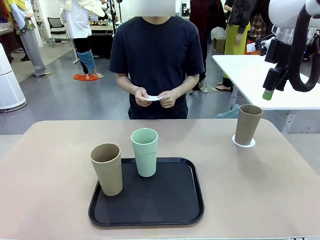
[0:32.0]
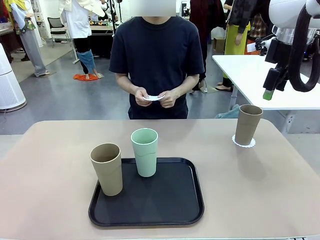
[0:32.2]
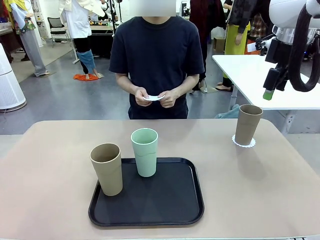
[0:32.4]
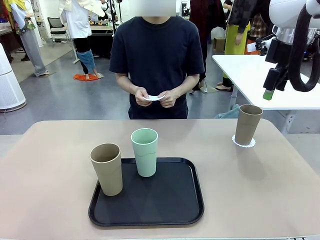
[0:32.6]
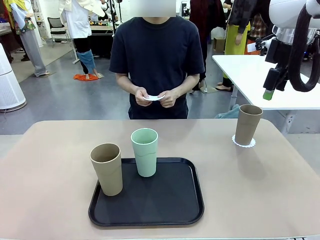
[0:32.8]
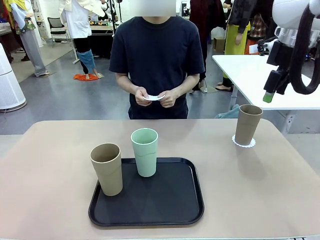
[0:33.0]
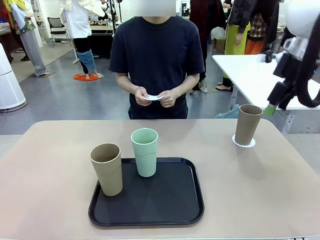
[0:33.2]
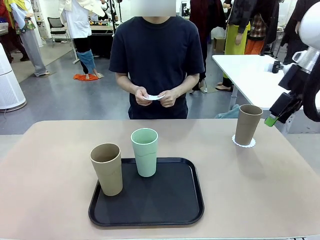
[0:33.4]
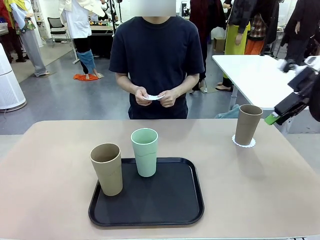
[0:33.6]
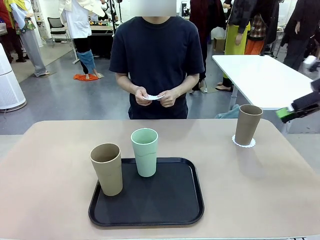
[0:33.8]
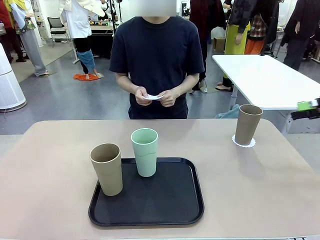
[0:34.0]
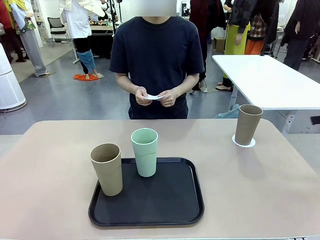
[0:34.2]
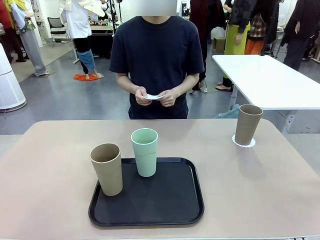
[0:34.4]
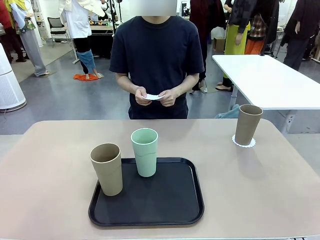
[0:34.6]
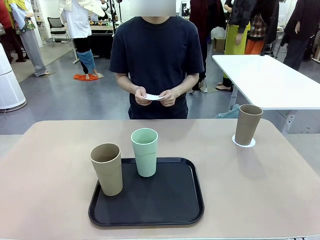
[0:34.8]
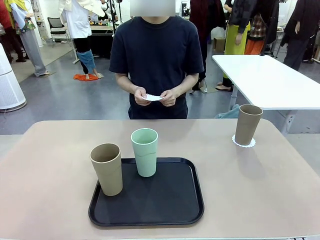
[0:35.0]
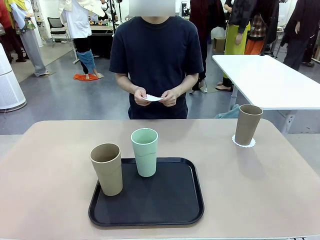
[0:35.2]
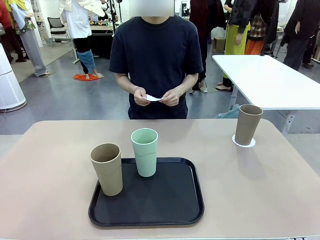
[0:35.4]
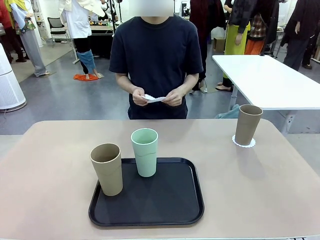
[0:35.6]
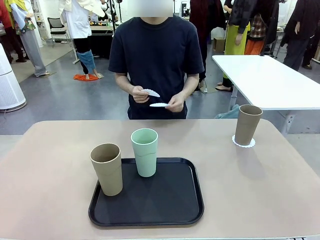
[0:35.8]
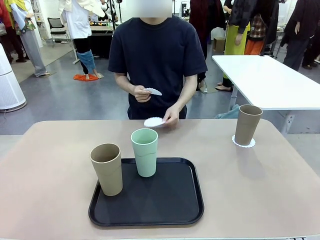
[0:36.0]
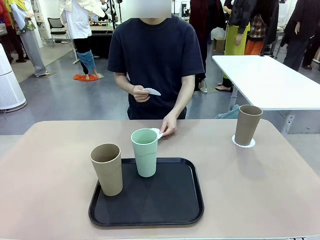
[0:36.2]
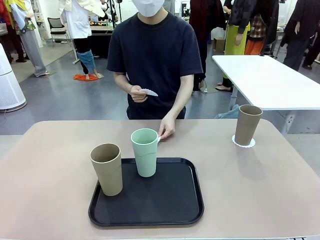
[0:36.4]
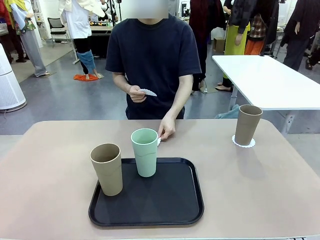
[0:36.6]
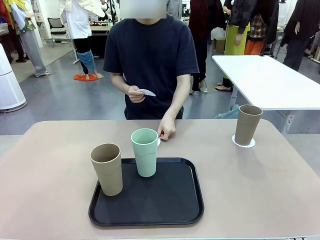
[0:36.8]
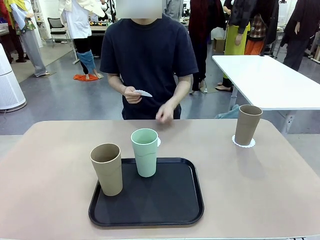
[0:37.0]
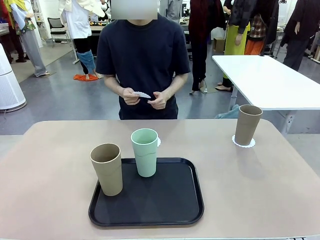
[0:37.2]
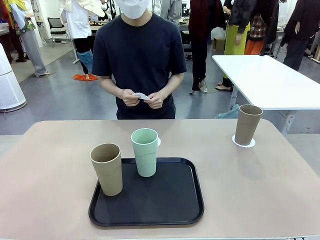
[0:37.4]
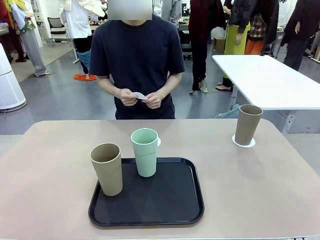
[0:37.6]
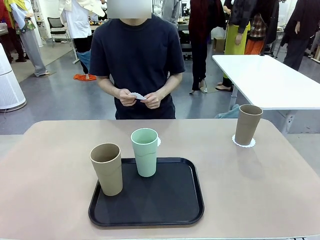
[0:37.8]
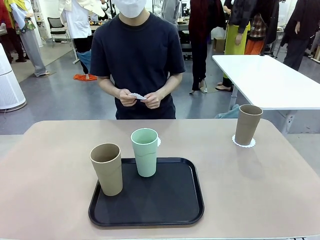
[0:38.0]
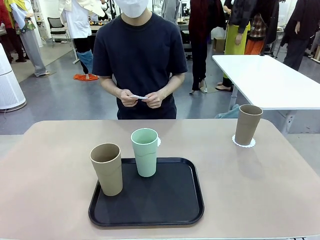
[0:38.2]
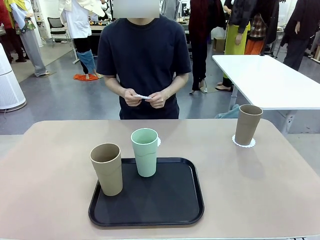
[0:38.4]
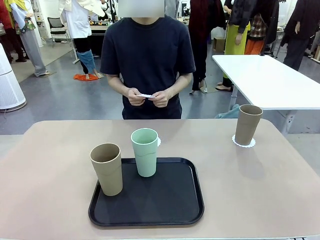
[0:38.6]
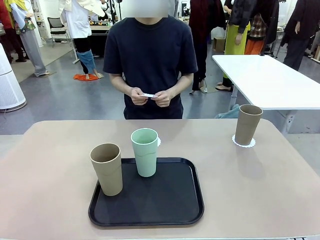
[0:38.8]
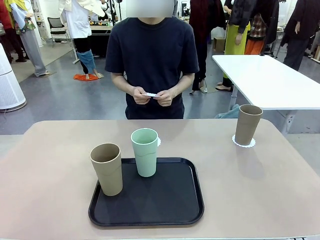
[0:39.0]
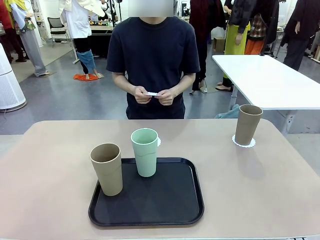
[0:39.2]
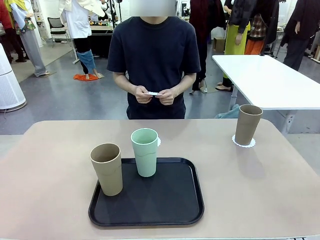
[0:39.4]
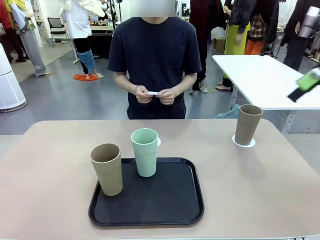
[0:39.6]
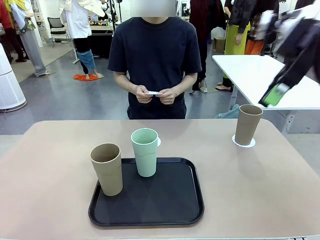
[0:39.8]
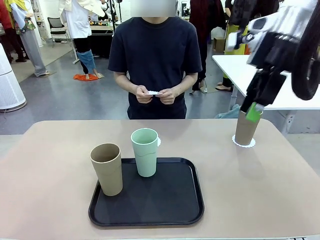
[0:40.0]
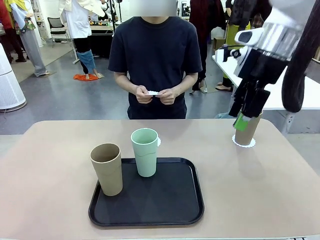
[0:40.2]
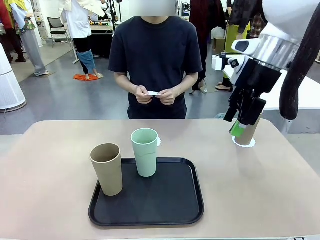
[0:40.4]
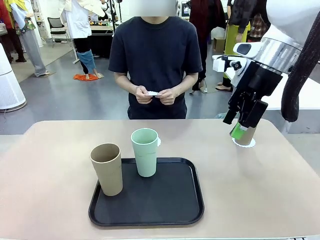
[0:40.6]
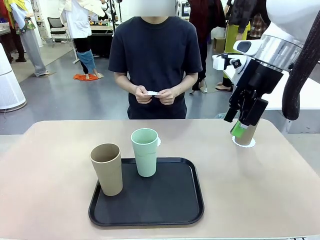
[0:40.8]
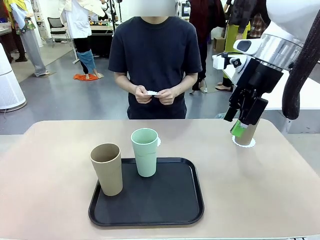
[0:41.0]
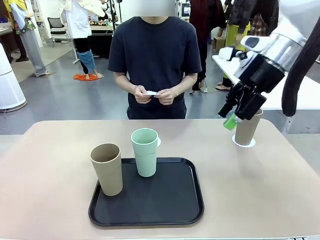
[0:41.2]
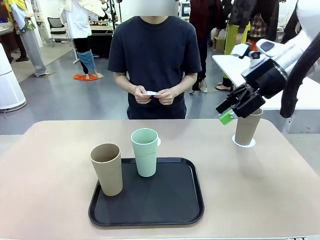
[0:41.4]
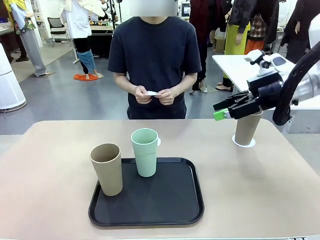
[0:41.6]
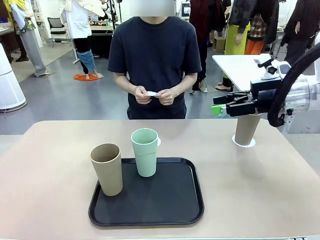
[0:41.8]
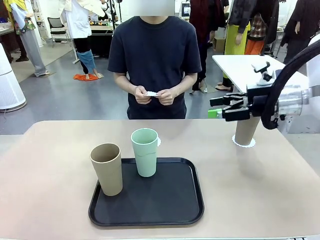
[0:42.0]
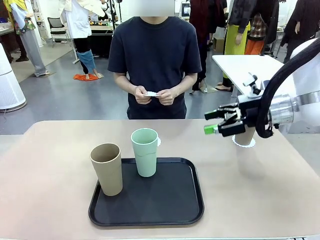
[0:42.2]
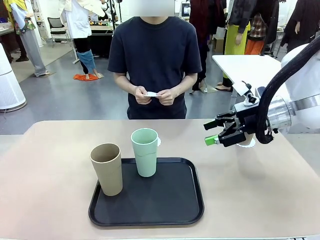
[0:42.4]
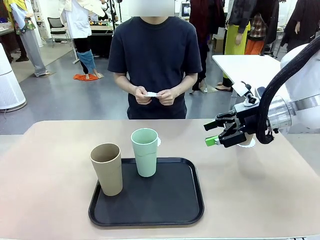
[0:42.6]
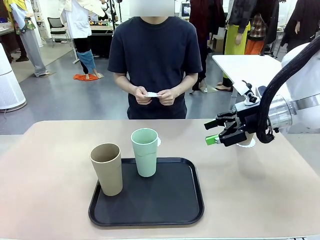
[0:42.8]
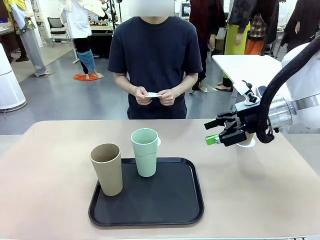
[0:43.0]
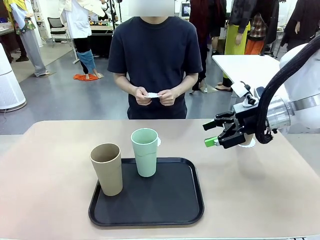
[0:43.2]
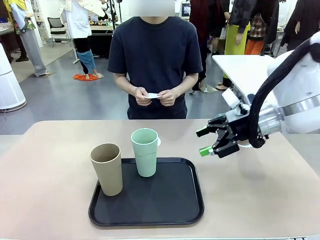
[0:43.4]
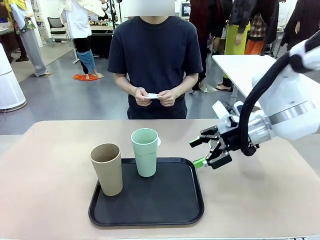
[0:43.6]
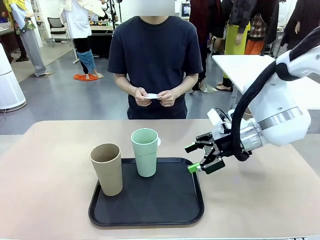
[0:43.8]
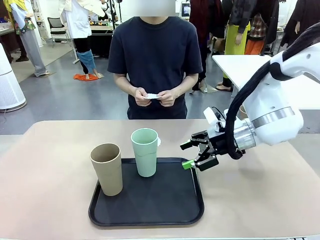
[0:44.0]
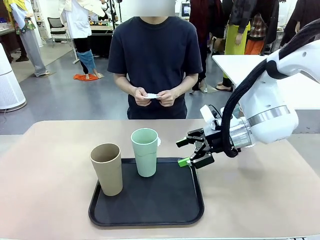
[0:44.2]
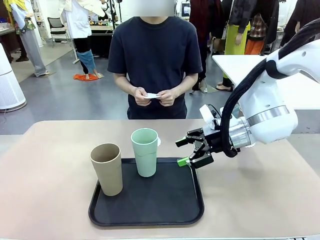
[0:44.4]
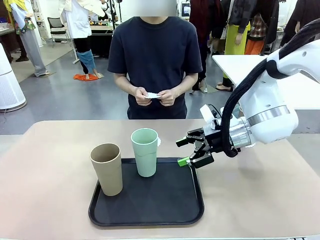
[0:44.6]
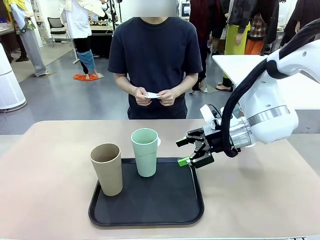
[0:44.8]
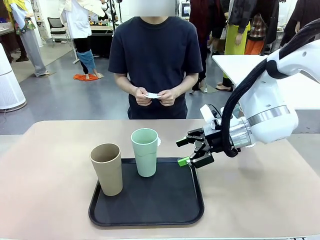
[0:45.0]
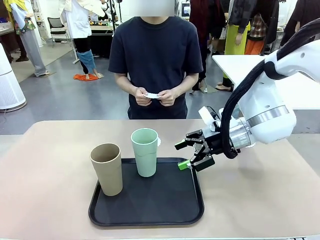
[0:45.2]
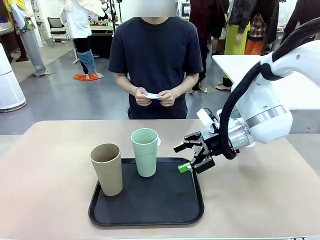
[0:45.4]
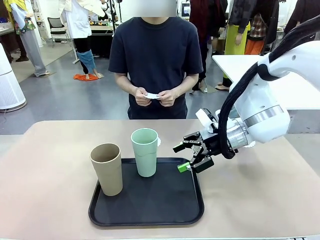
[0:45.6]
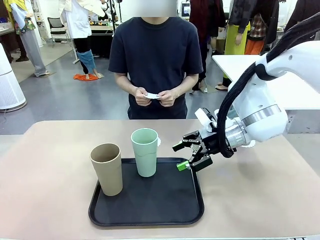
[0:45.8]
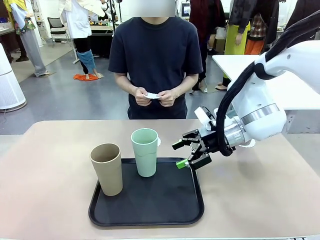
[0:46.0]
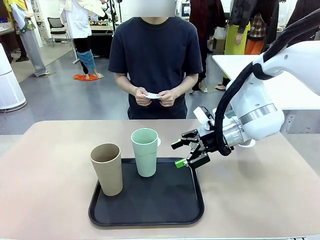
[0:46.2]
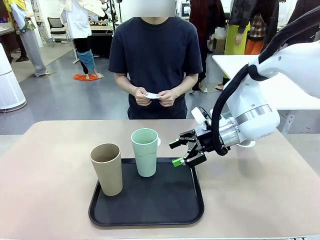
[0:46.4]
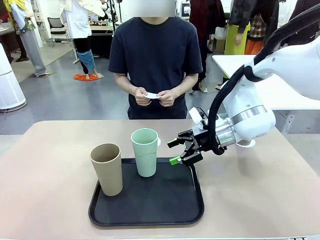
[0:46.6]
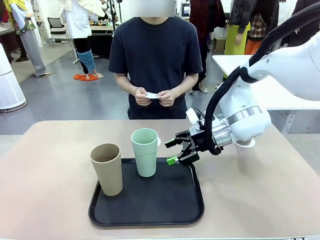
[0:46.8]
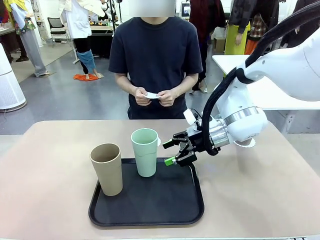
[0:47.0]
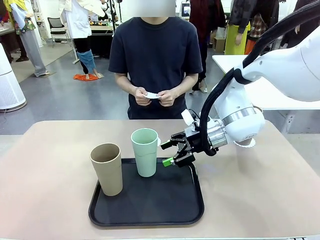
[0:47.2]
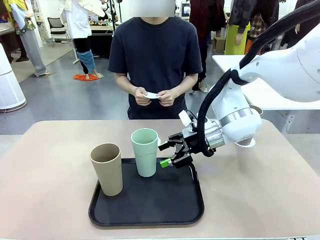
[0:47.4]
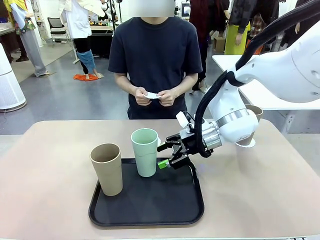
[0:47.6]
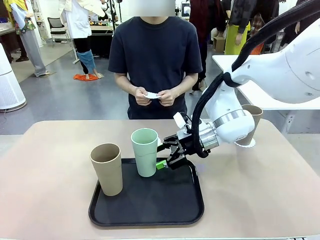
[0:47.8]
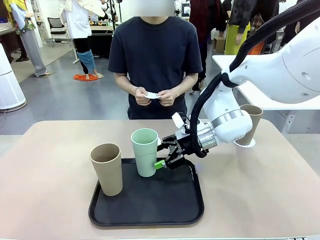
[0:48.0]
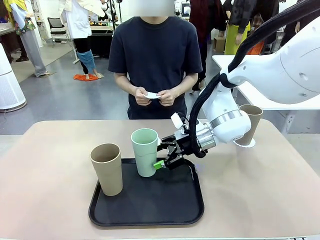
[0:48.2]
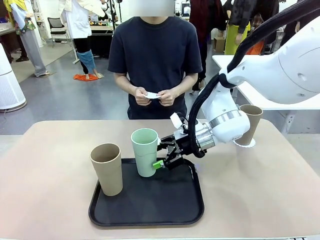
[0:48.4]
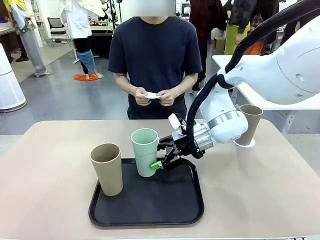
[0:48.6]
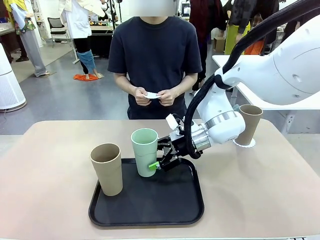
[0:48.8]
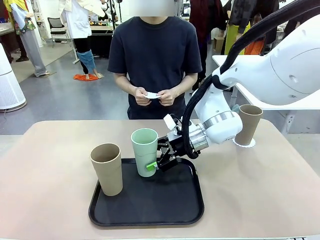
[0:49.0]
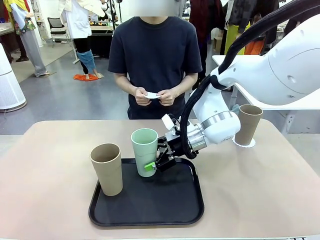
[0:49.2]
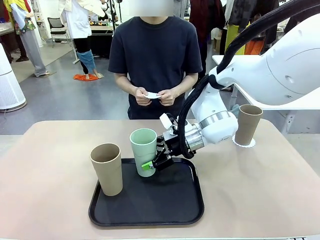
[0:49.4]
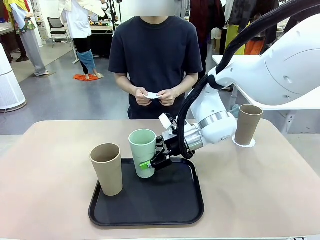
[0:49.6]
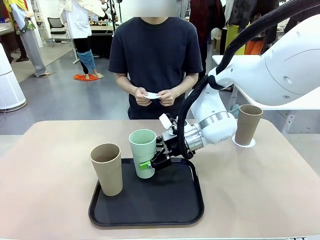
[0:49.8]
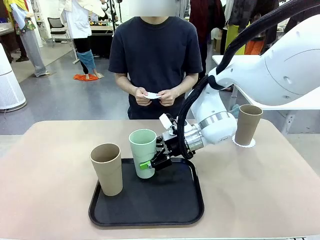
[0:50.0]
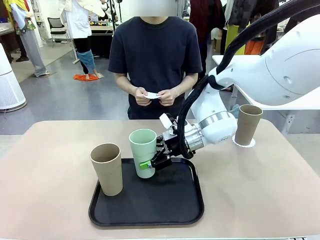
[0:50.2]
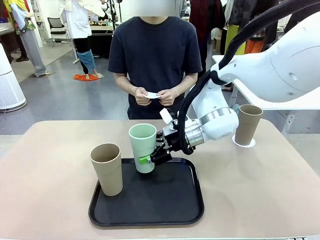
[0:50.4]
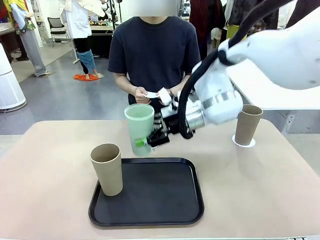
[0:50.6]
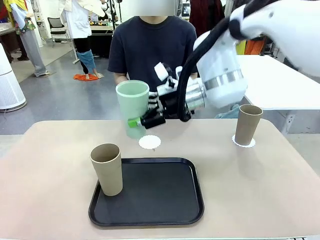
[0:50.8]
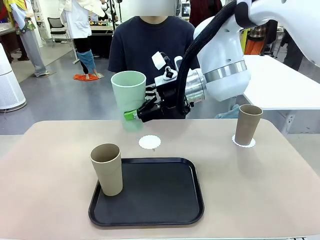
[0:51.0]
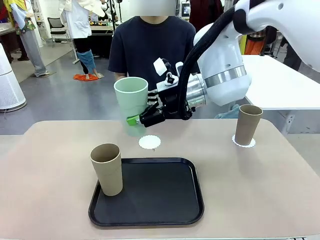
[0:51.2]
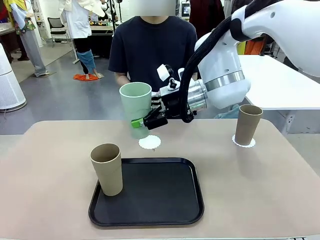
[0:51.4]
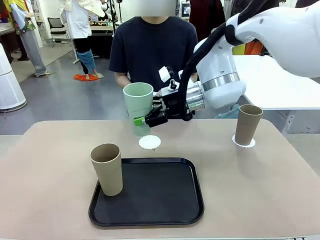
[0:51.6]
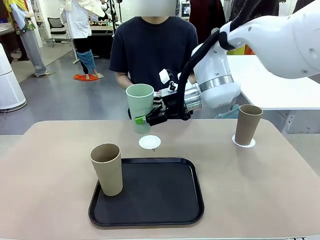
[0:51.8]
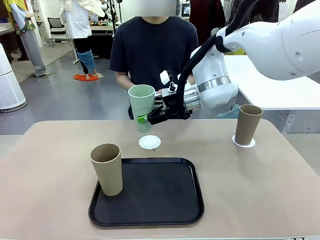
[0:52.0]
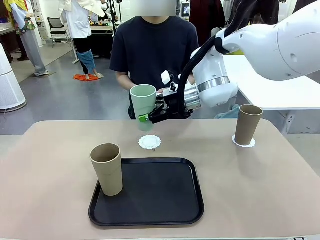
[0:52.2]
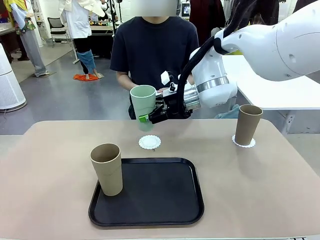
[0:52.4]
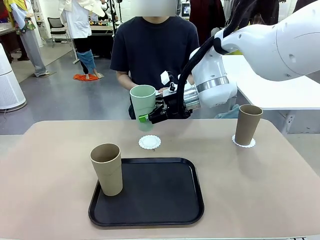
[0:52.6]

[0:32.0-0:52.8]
Task: Place coasters on the table and set cups on them.
Robot: Take one Reusable plastic cup from the Flat Tray and place it on a coaster set by the human.
